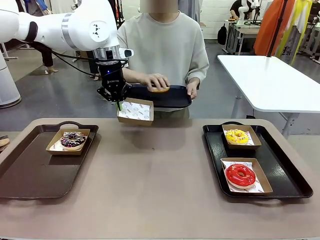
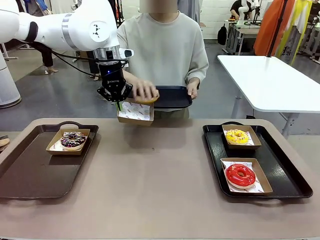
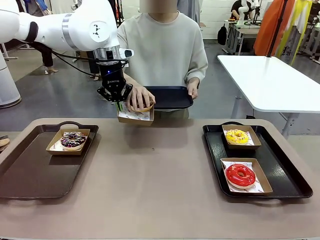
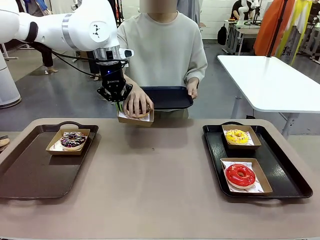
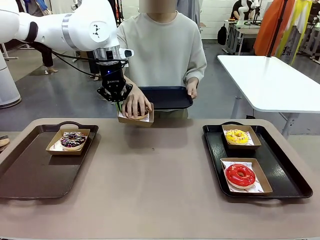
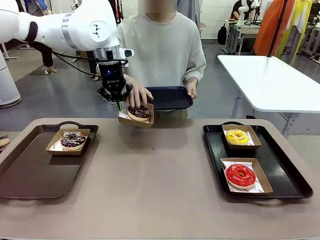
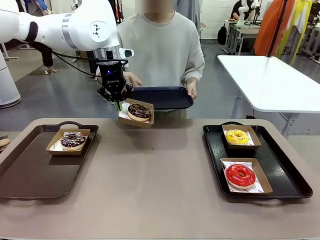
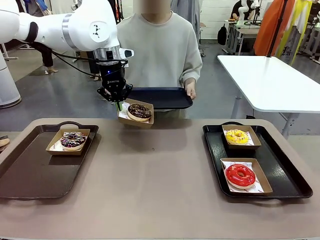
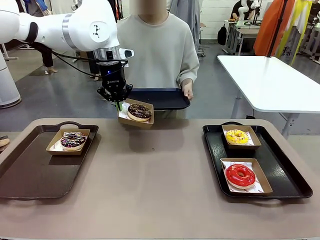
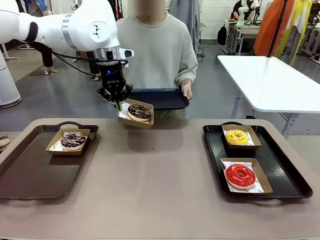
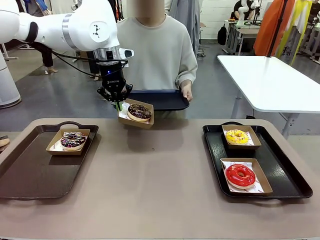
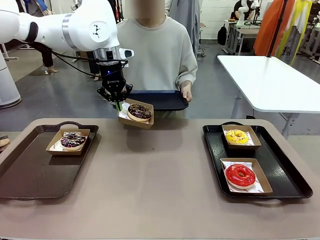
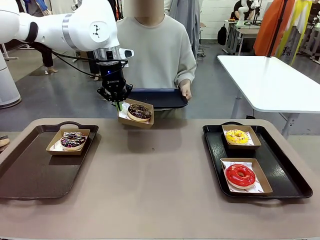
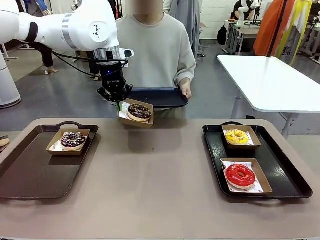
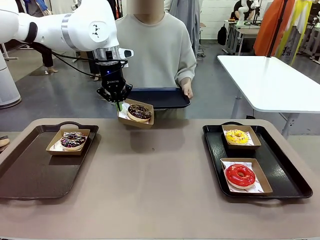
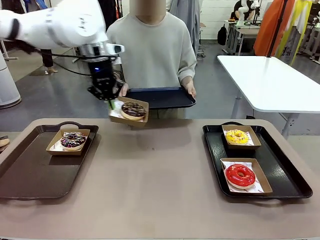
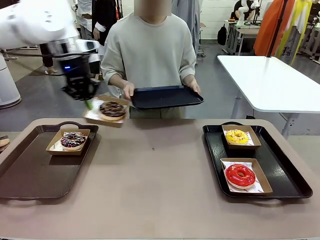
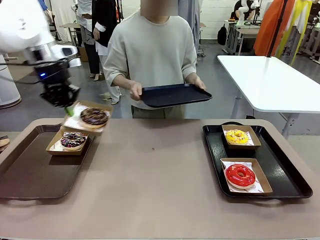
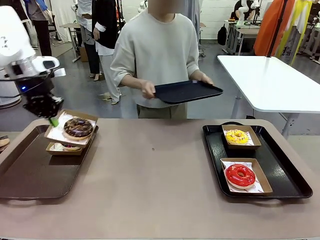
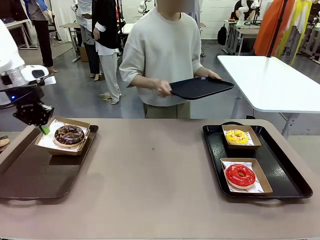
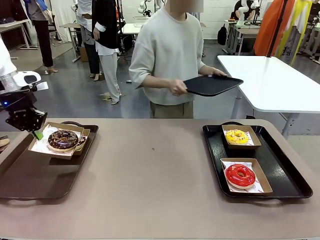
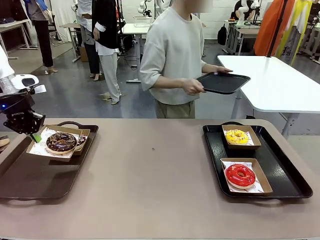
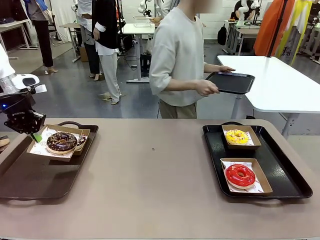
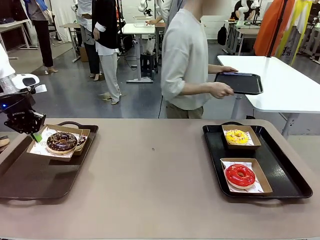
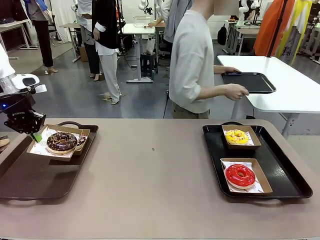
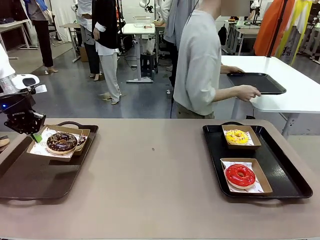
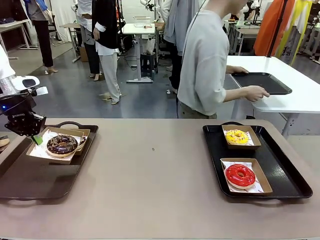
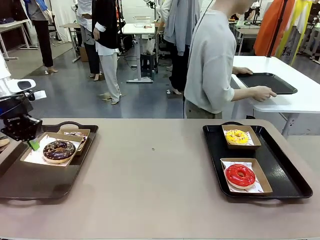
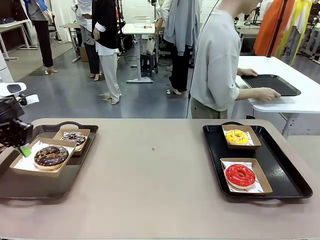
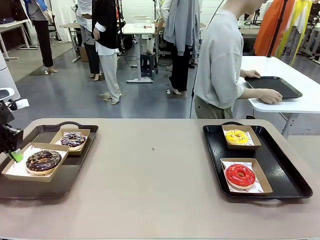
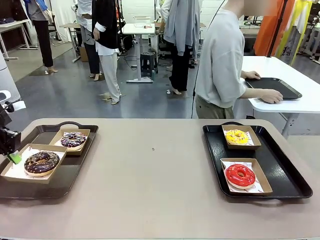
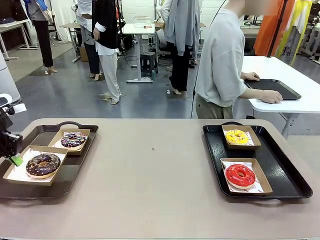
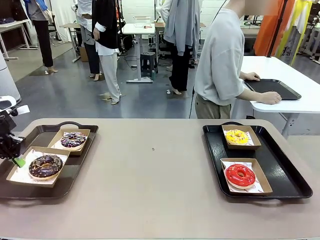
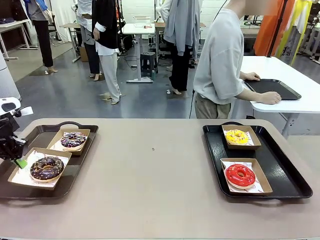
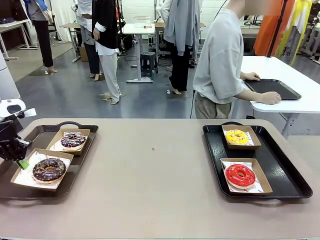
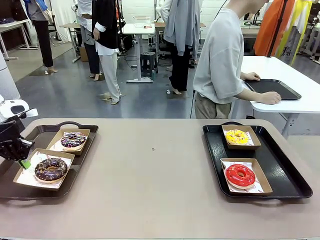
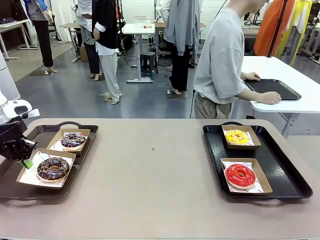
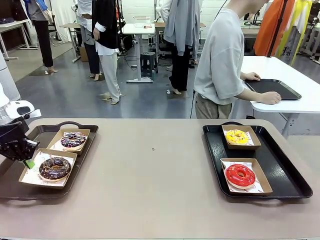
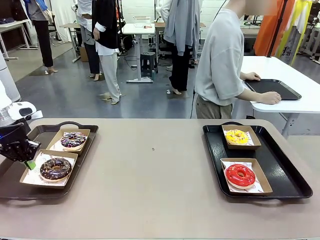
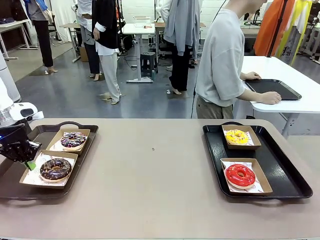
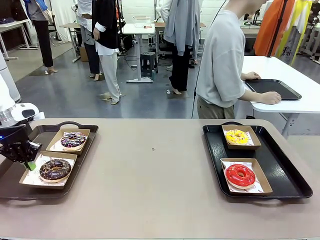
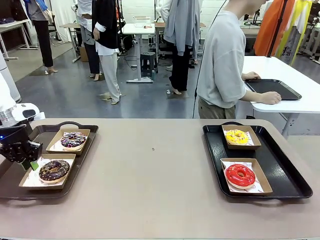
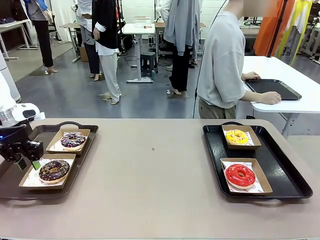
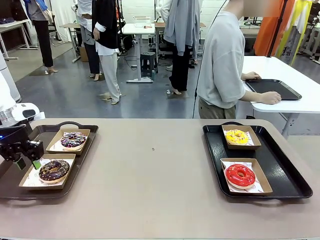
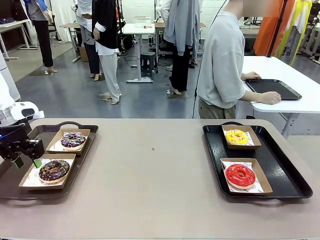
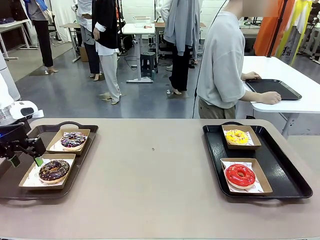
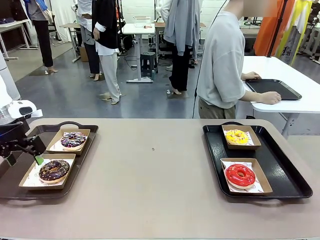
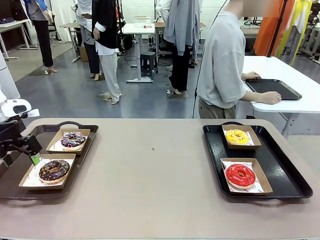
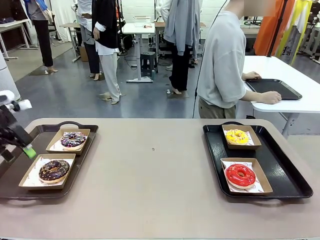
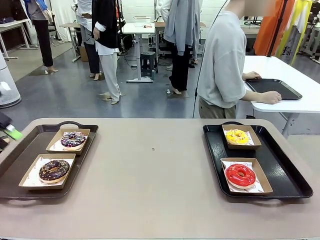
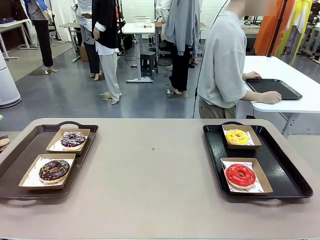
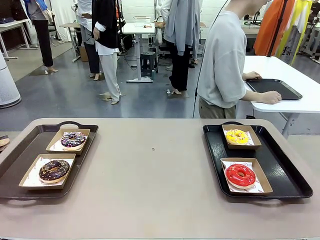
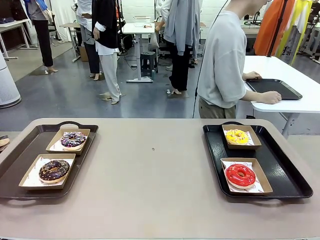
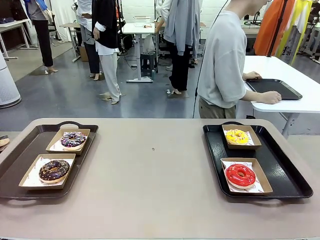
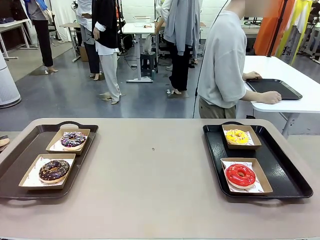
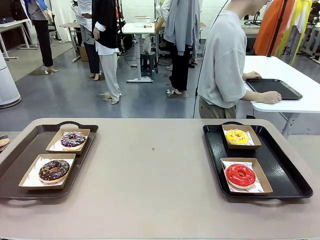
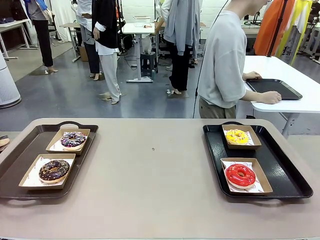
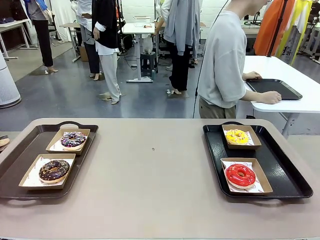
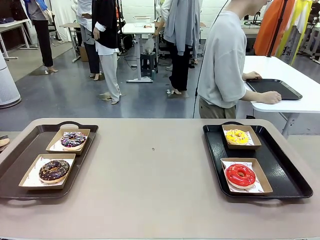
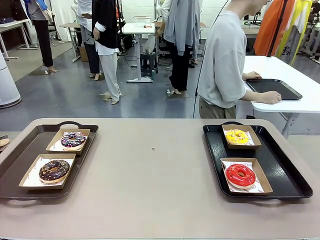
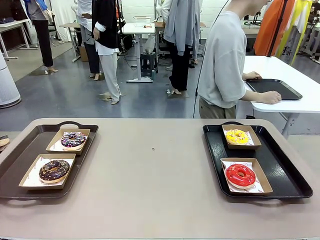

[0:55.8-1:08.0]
Task: Individually package the donuts and arrange them on the tray.
Robot: Place the picked Paper togo box on the Handle tray.
Person: Place the tray down in the middle of the human table.

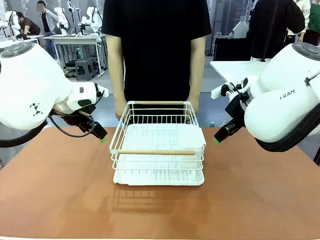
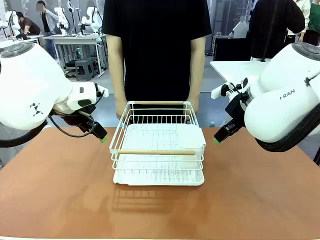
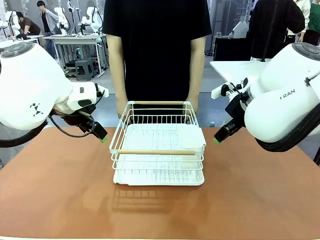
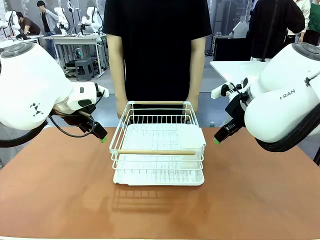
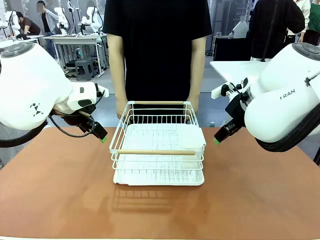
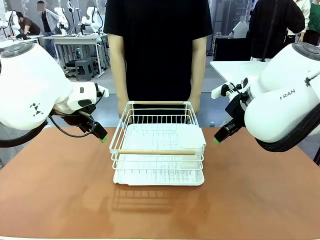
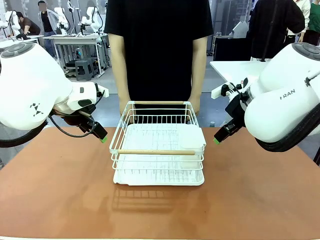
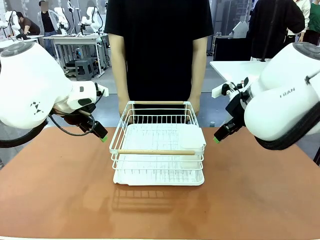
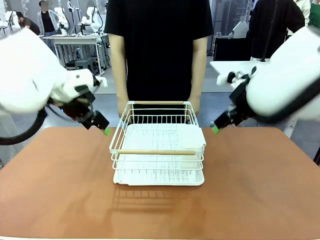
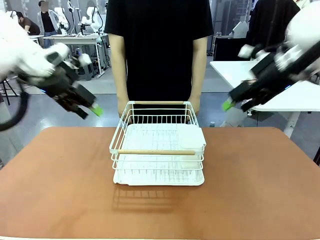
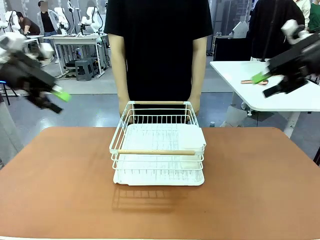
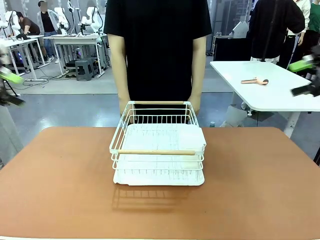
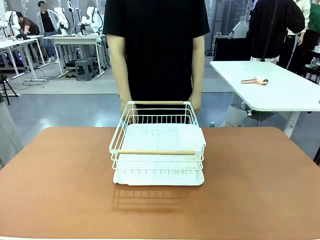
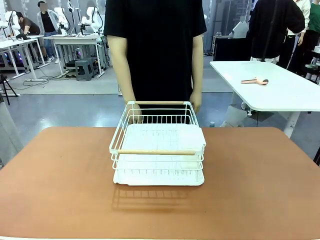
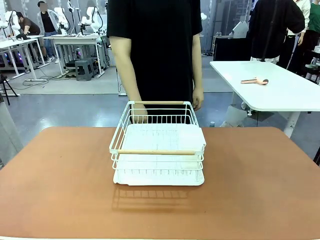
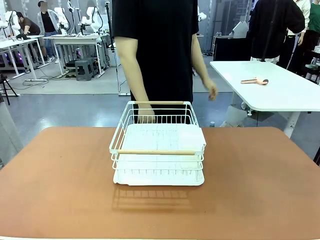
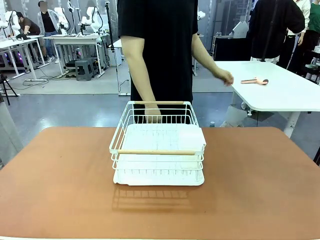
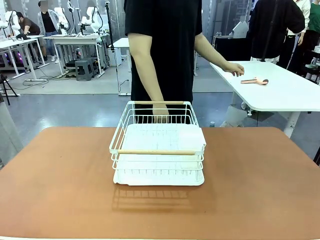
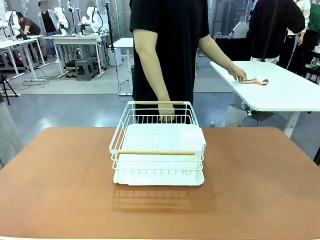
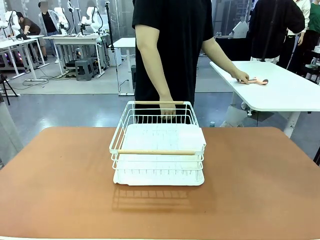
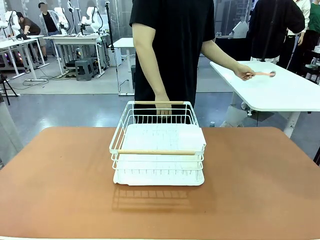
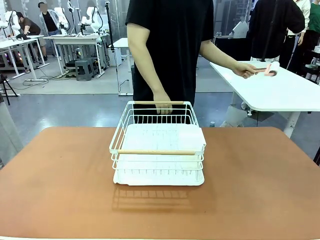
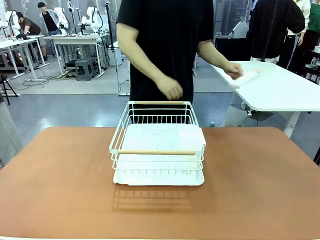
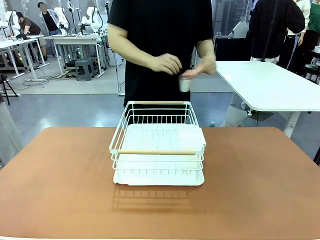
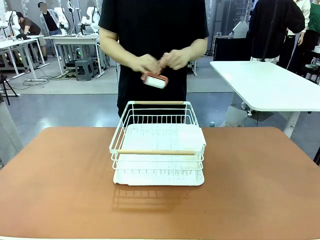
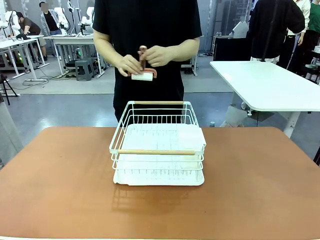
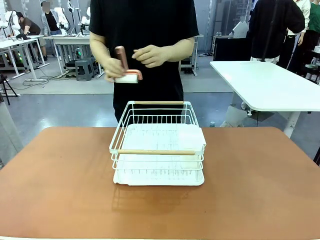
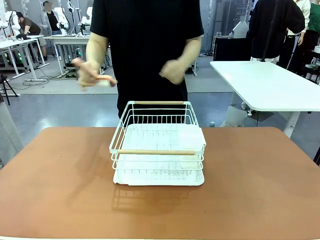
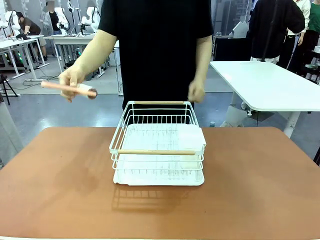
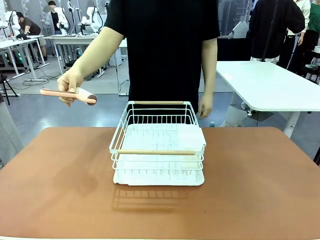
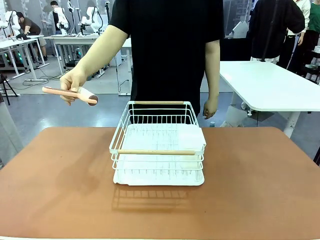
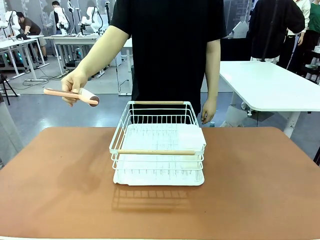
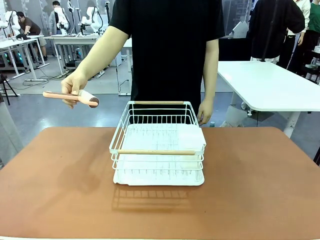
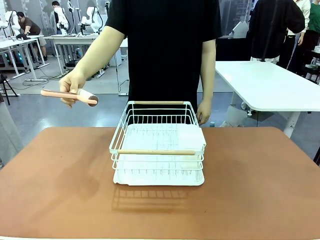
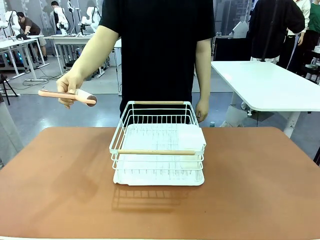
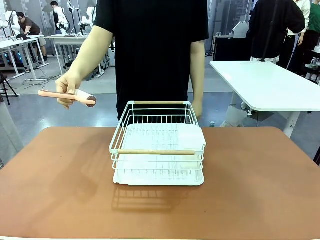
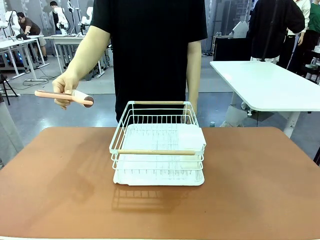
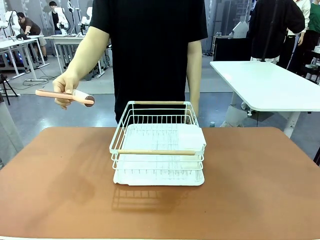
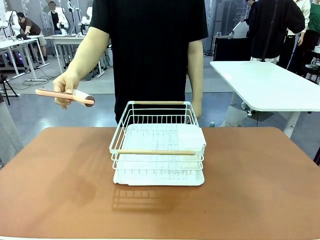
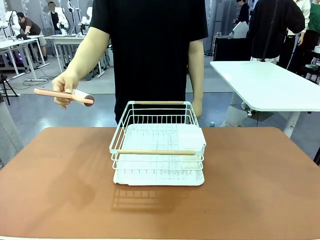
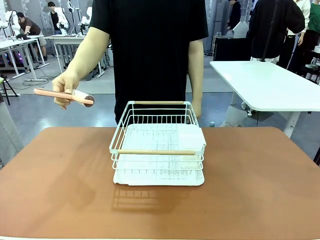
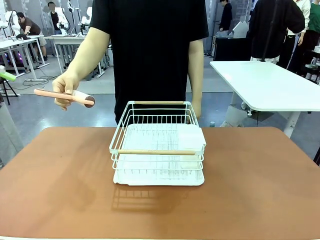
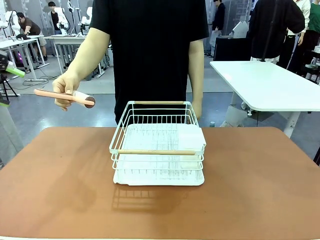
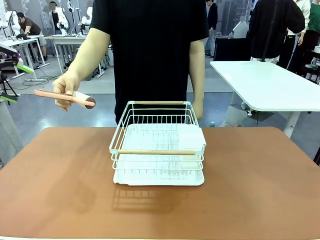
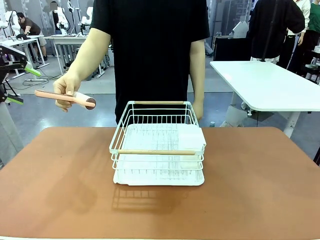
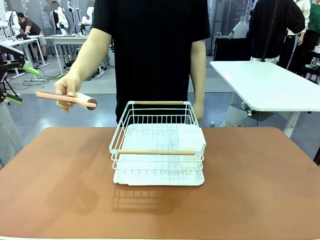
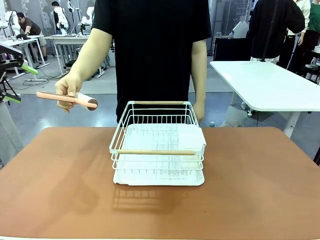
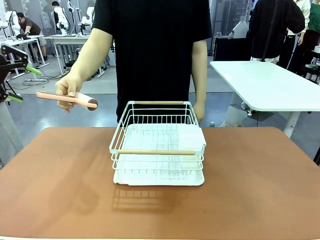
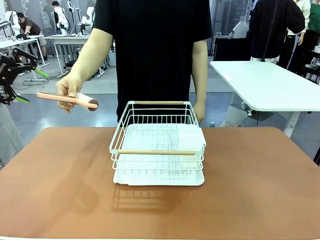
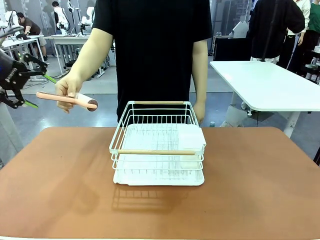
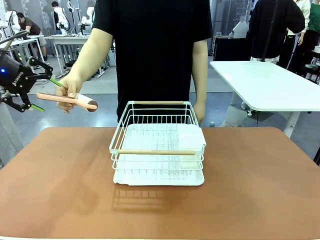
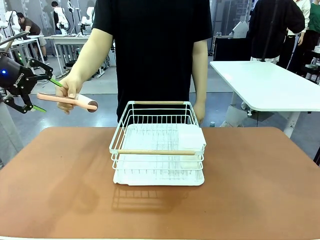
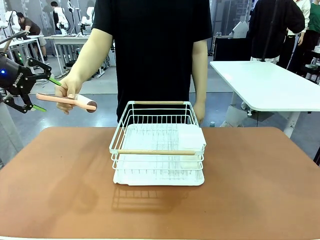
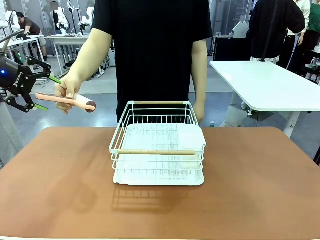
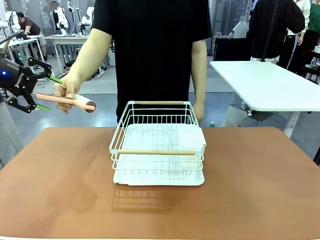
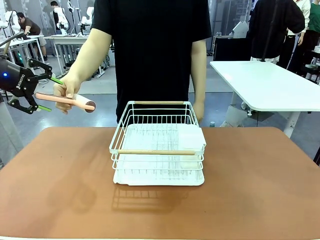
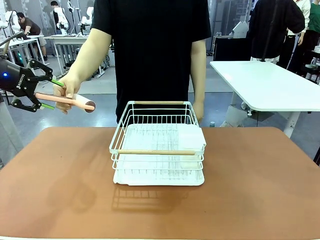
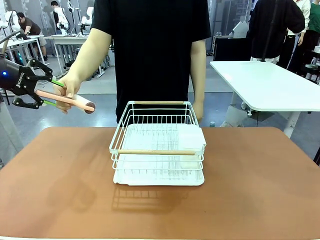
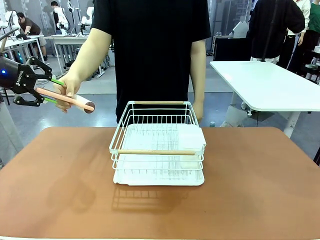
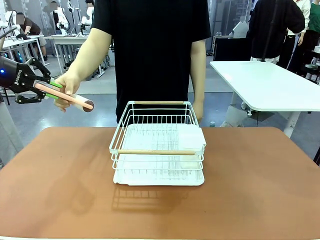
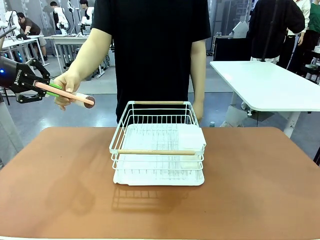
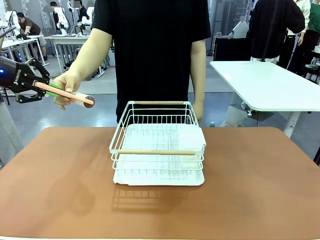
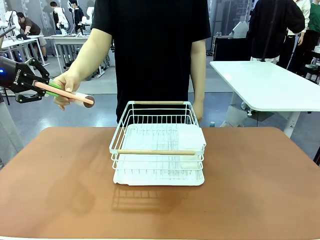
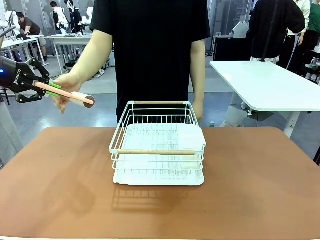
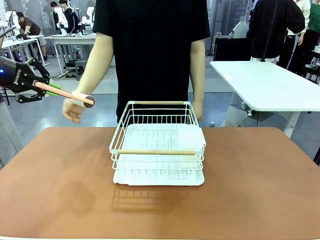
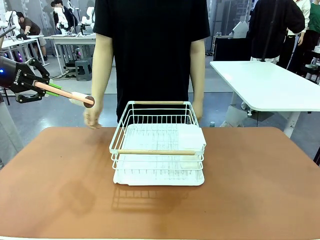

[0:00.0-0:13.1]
Task: Clean the table.
Robot: Pick up the Lint Roller when the human hands it over.
Person: Hand the Lint Roller to the robot so it can easily pick it up. Lift the Dish drying rack.
